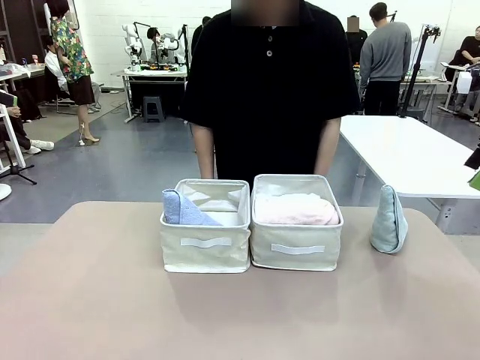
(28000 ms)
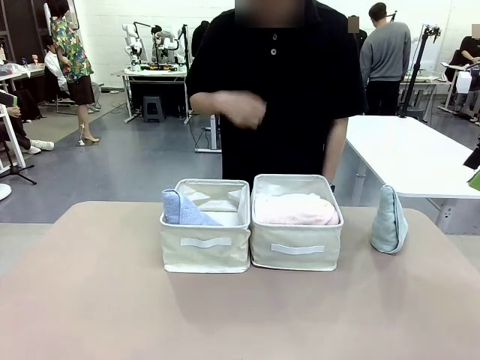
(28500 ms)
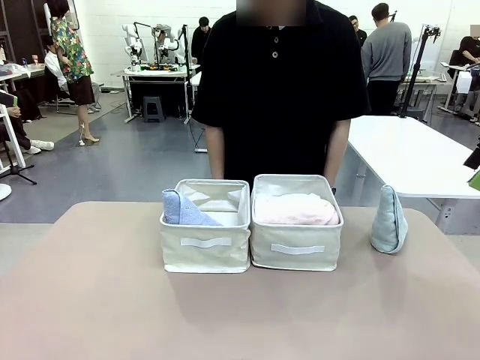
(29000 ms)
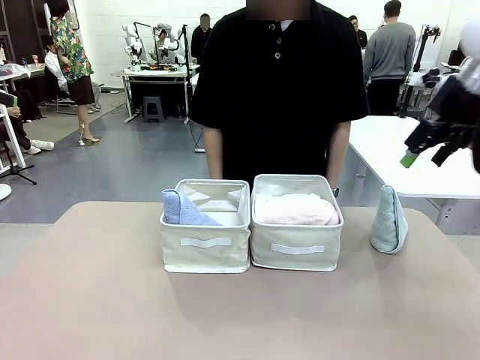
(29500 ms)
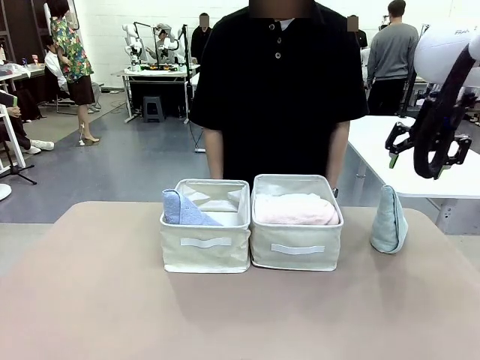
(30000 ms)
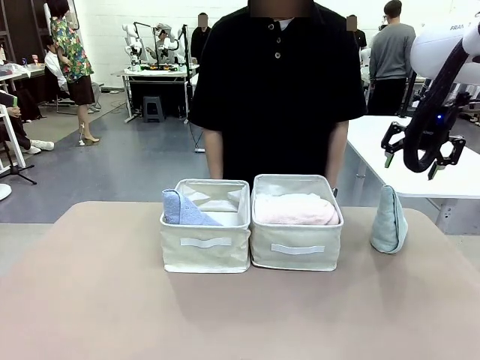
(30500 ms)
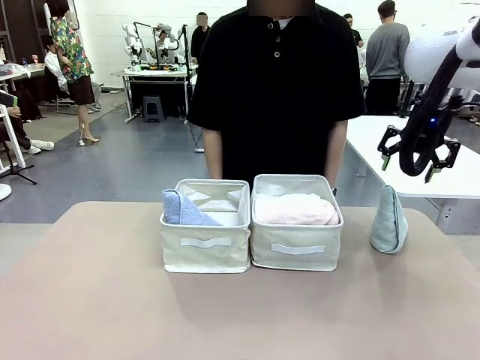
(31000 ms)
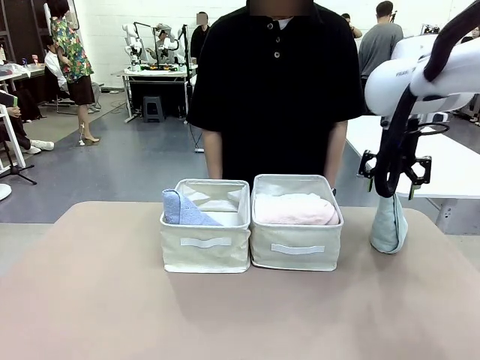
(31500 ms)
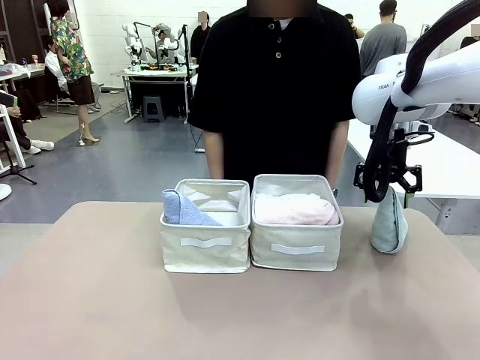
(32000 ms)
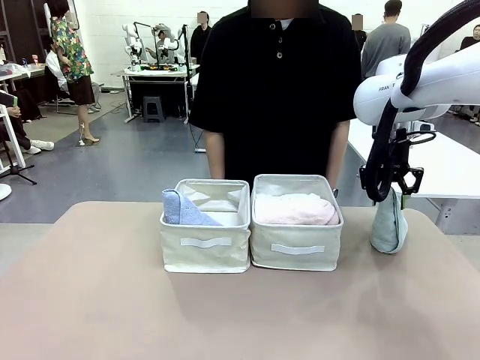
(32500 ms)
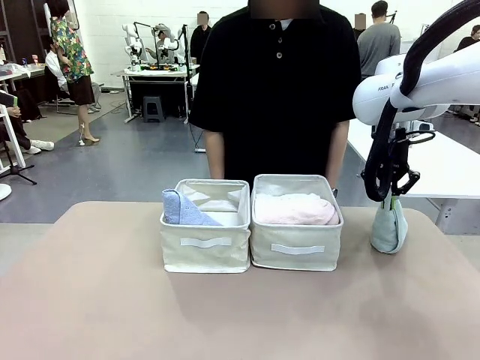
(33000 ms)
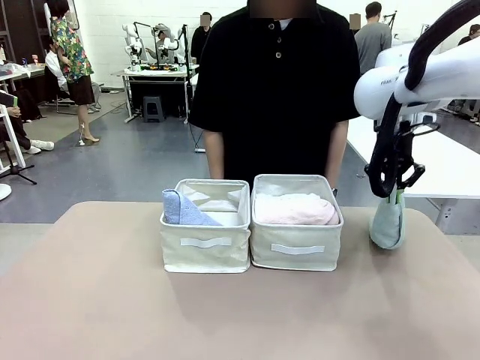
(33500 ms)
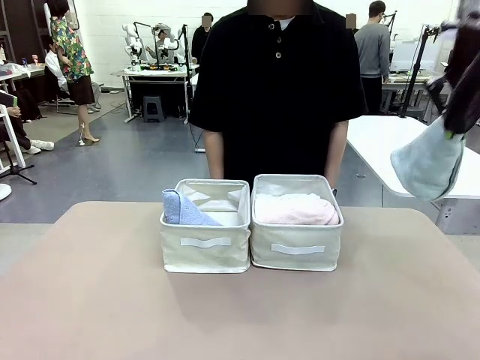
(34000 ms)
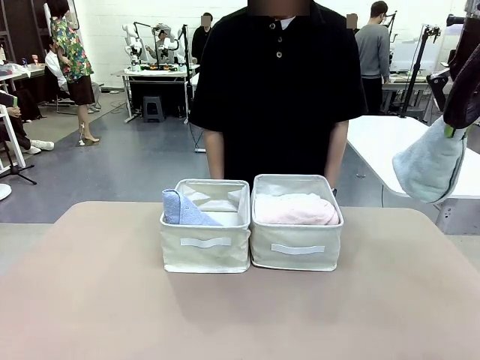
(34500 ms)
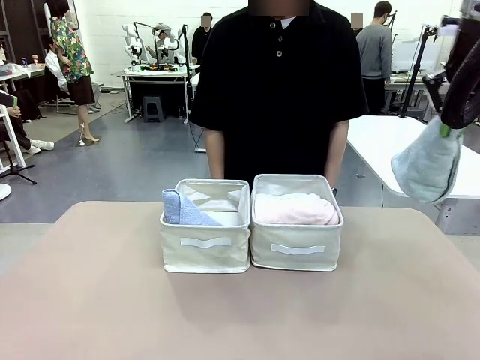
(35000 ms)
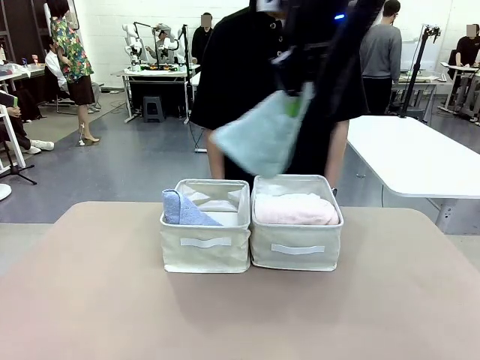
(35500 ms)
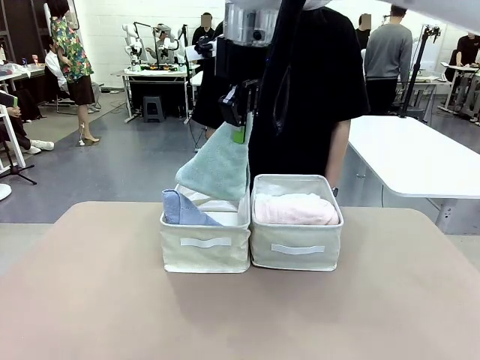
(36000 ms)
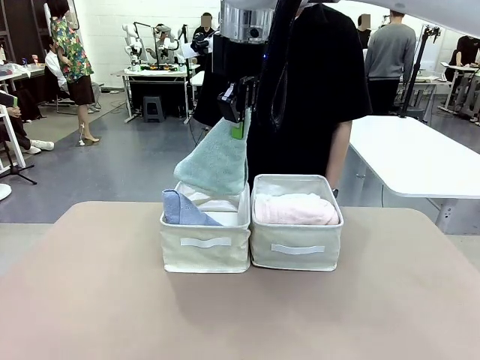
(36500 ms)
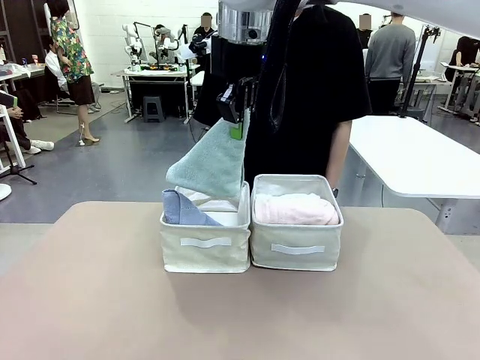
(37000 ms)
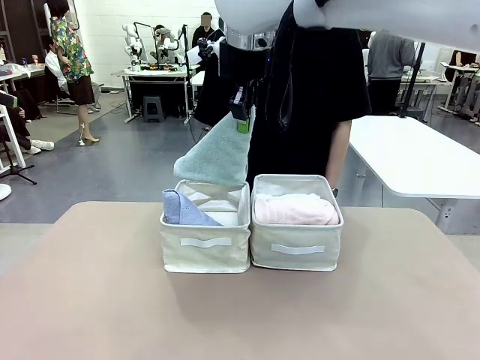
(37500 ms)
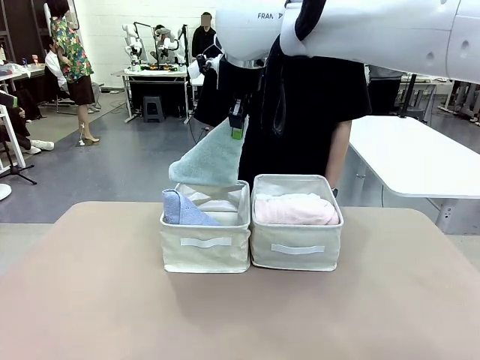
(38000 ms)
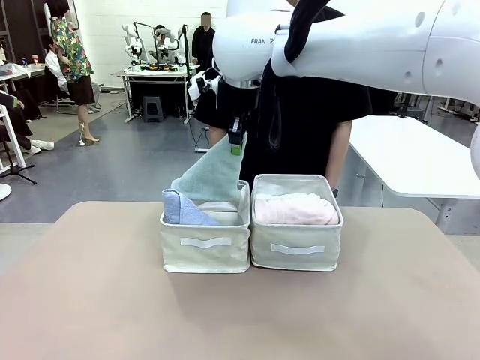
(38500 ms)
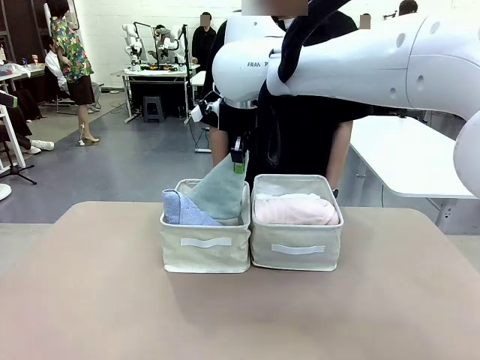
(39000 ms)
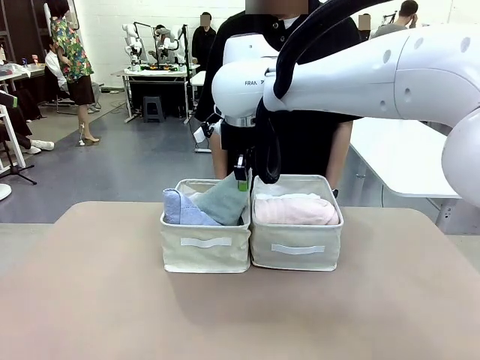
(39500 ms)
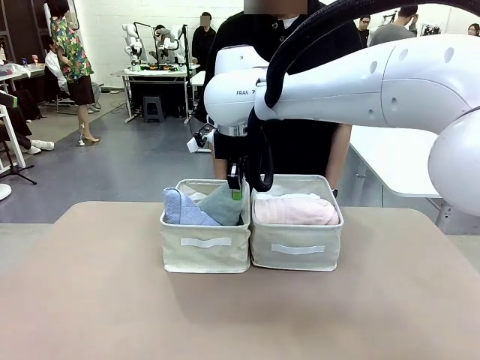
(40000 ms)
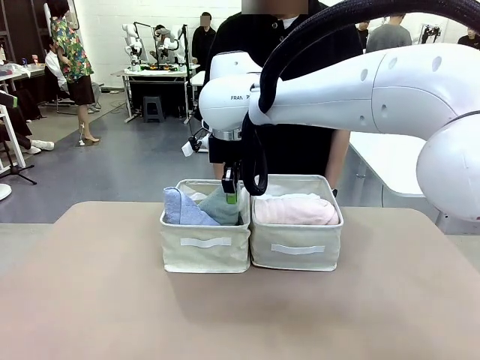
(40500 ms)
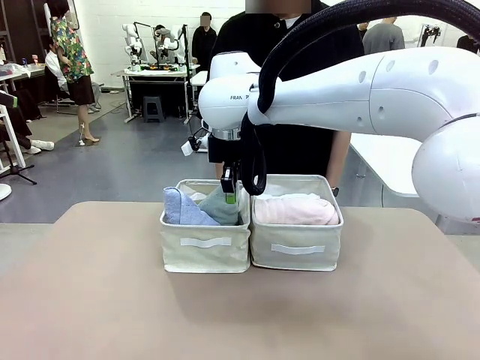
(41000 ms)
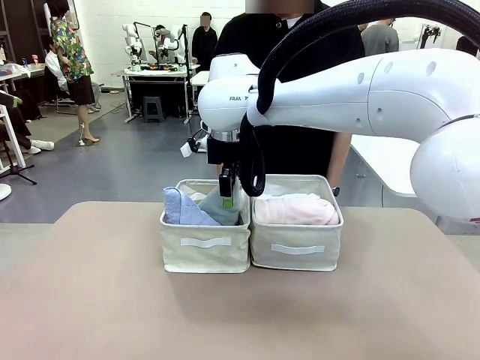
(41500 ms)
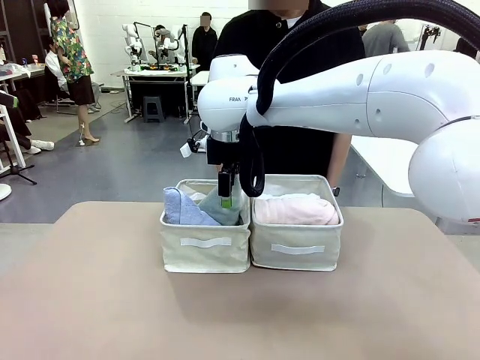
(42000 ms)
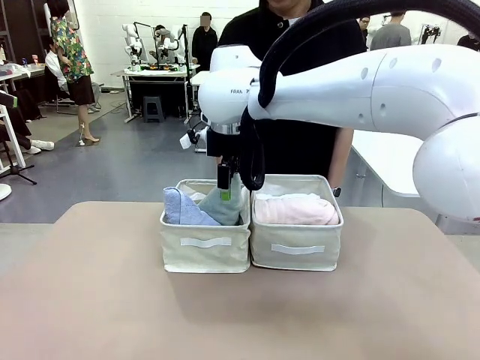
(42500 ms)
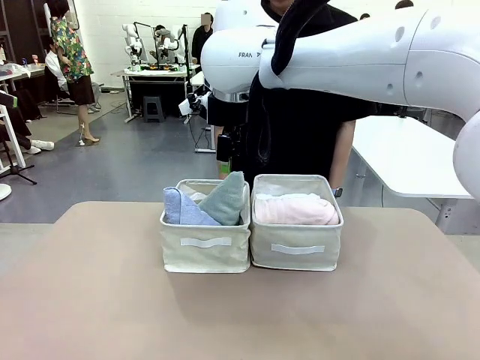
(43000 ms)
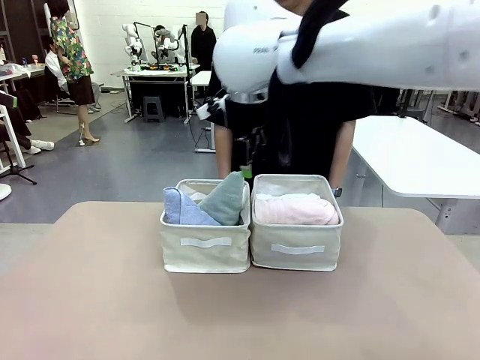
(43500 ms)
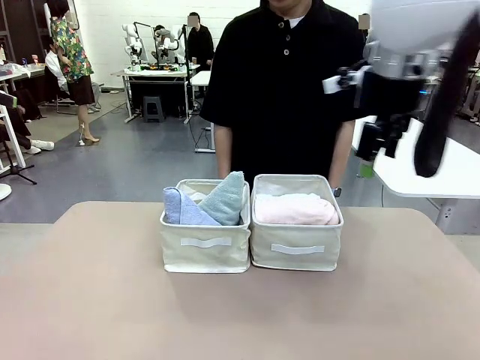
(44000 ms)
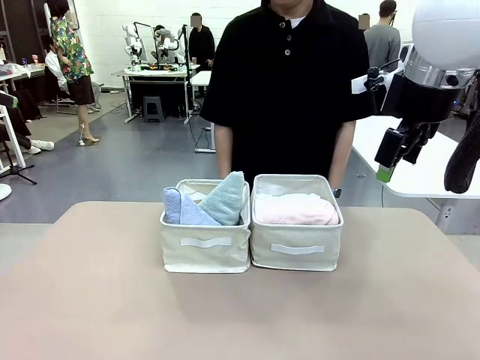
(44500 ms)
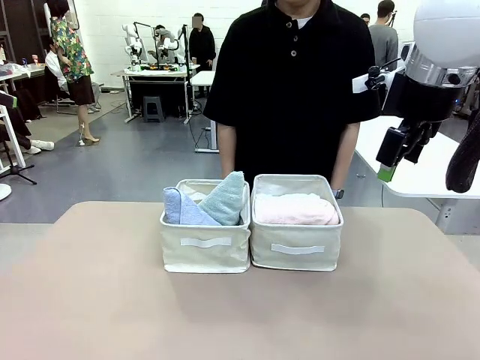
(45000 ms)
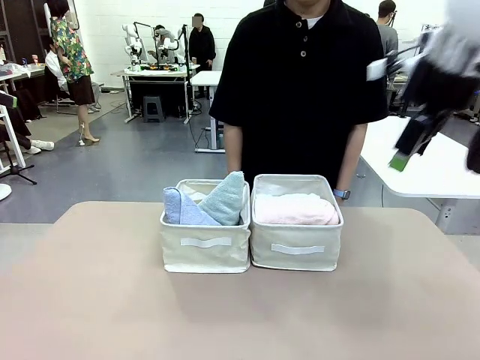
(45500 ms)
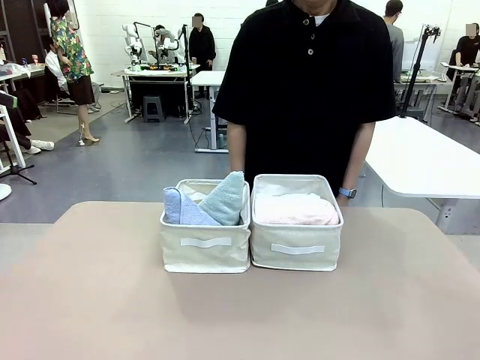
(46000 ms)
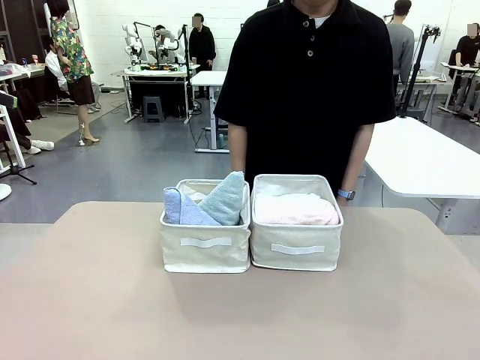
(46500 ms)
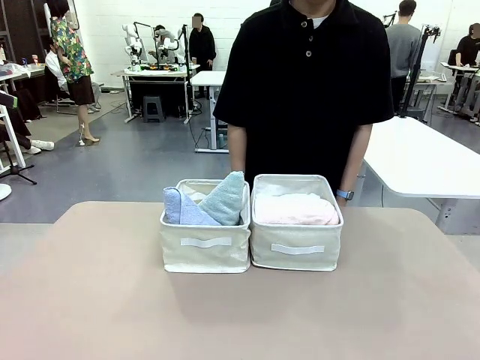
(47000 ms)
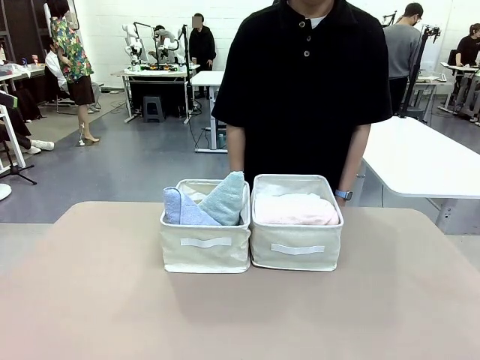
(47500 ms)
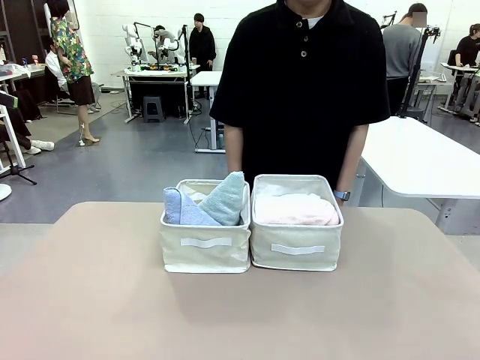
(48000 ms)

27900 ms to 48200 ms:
Task: Sort the towels based on their folding style.
Robot: Pick up another triangle-folded towel from the table and place it in the left Fabric basket.
Person: Pick up one hotel-style rolled towel from the table and place it in the left fabric basket.
